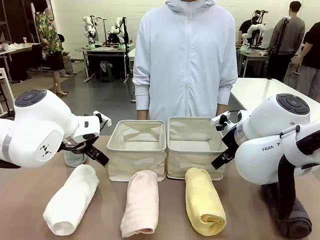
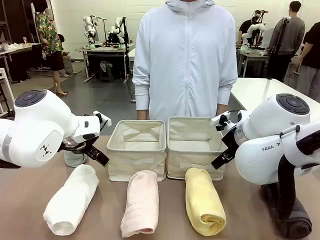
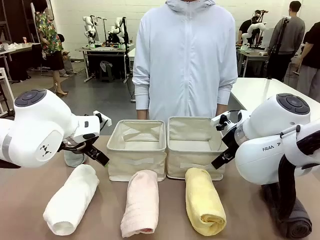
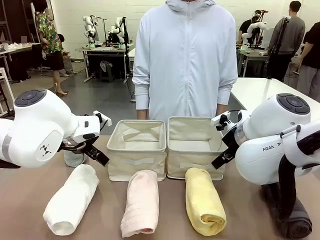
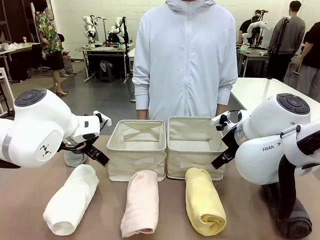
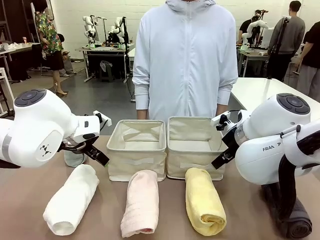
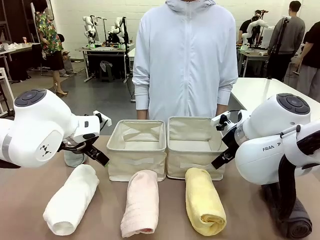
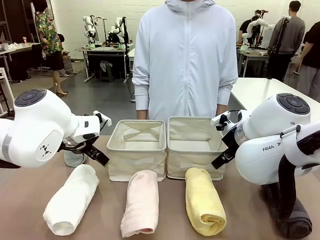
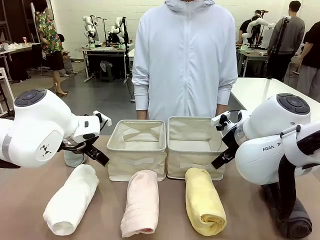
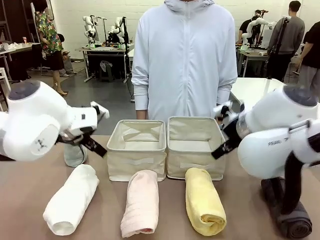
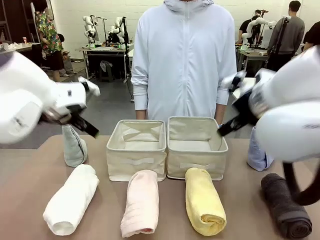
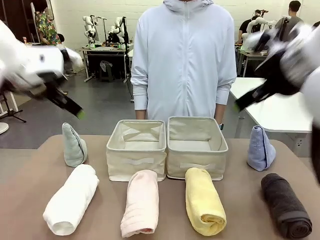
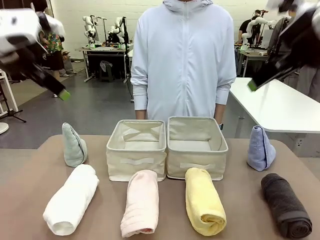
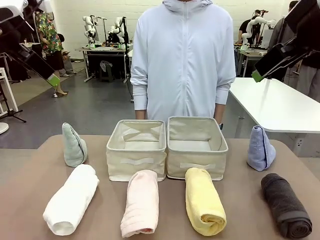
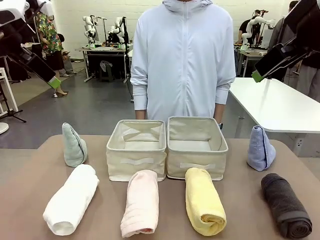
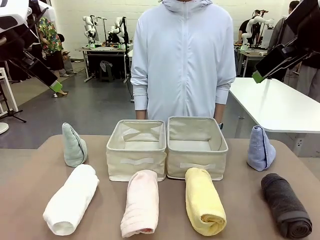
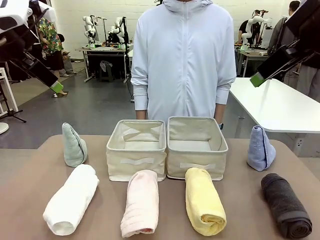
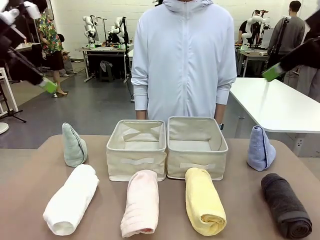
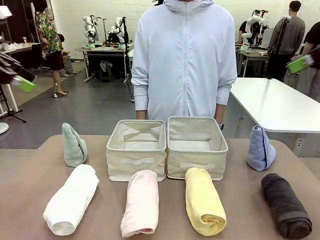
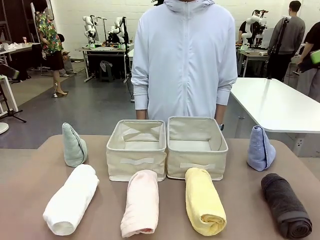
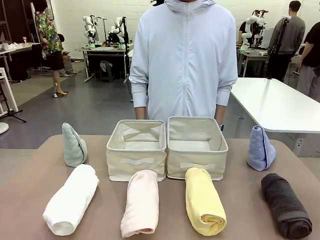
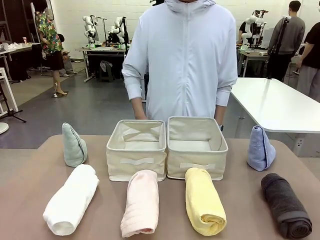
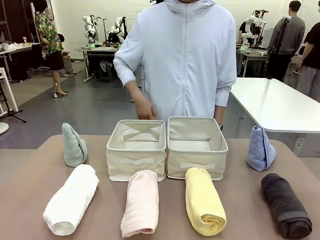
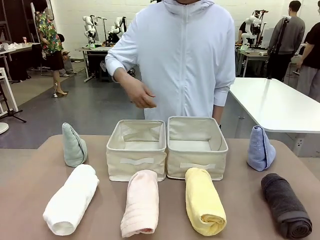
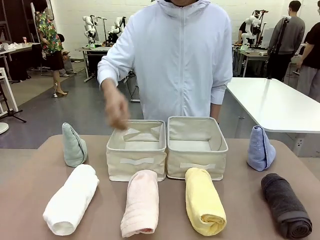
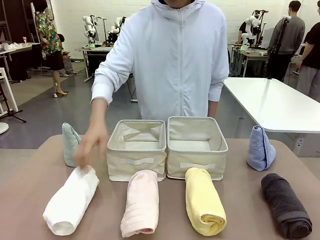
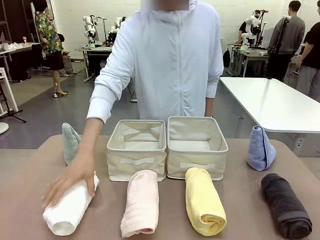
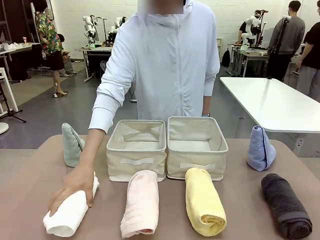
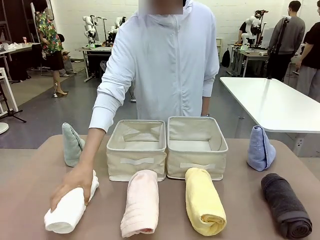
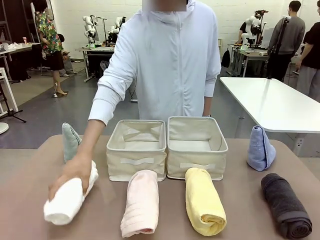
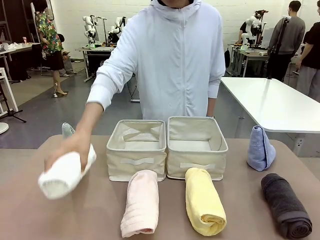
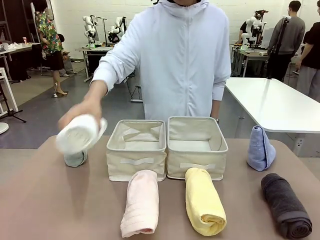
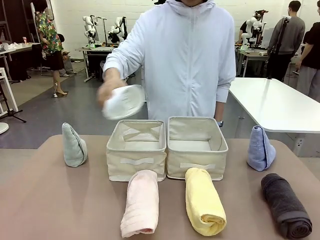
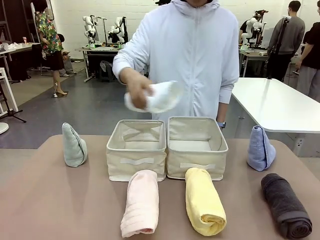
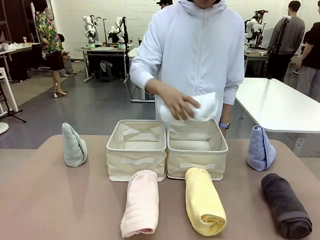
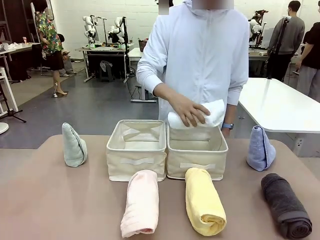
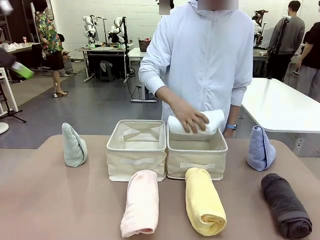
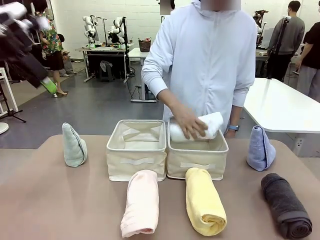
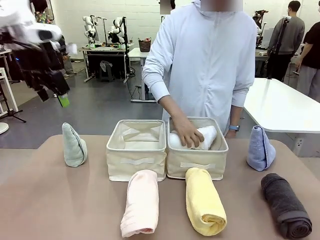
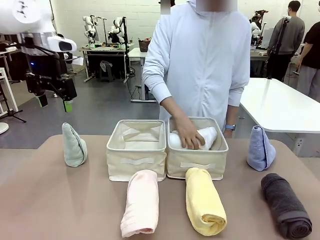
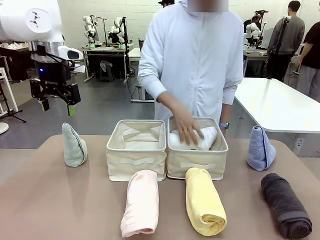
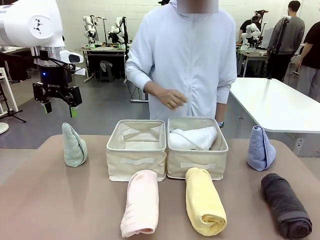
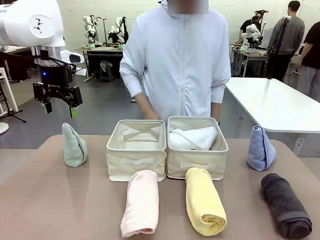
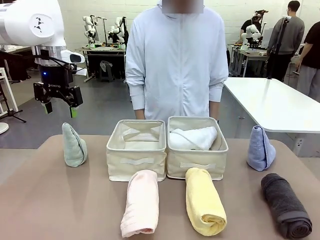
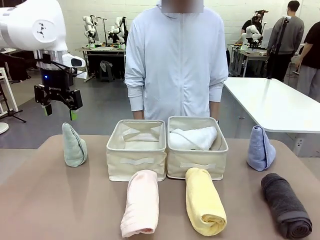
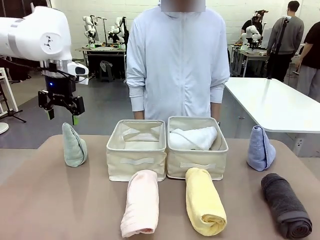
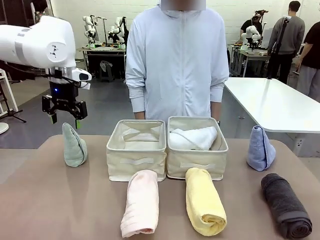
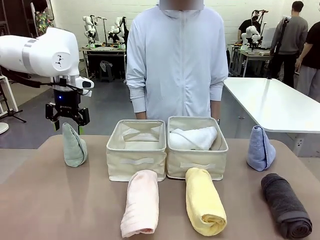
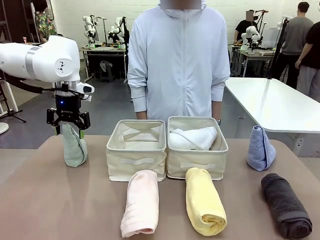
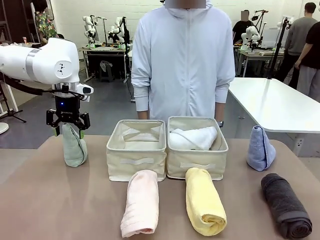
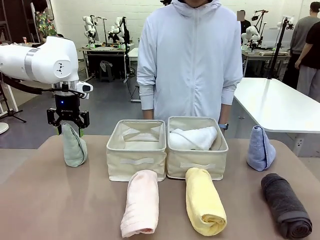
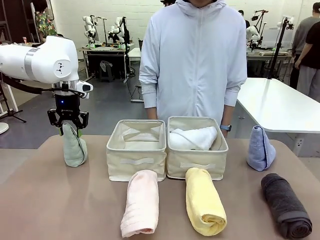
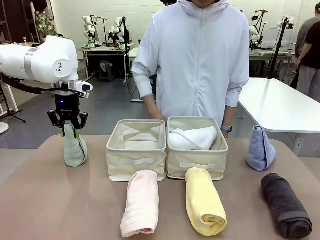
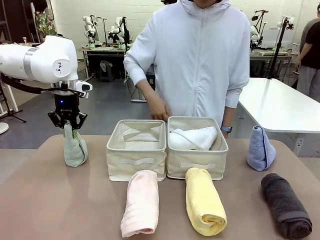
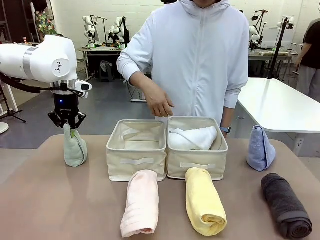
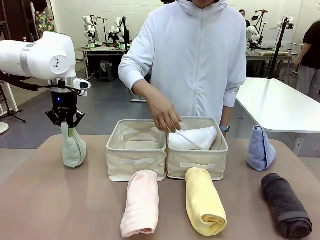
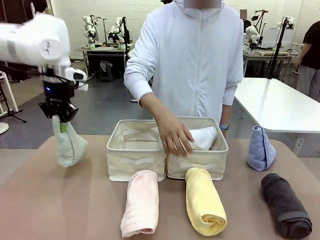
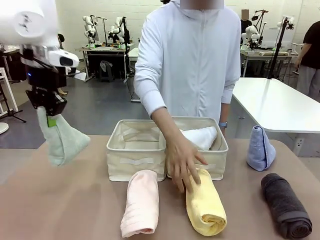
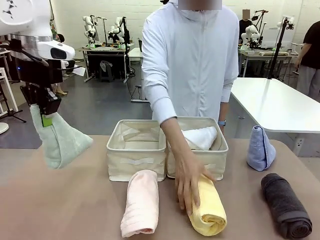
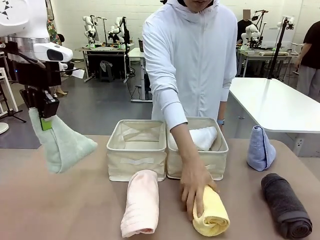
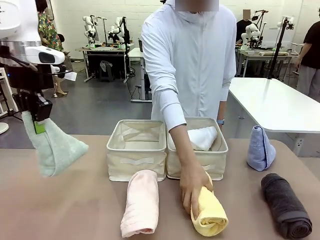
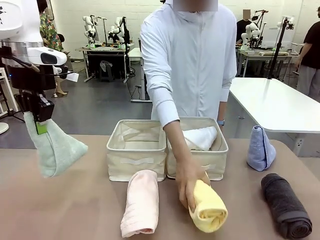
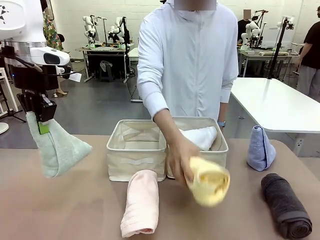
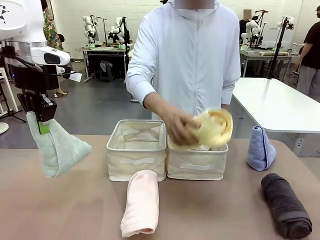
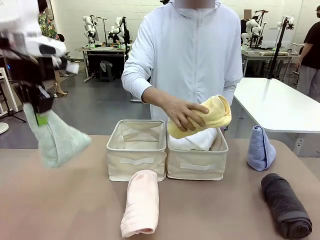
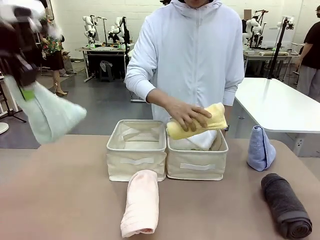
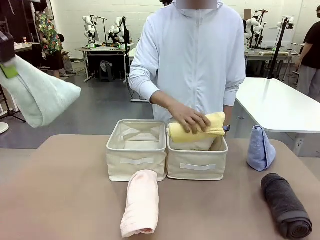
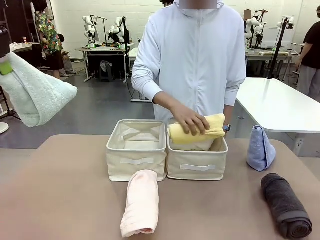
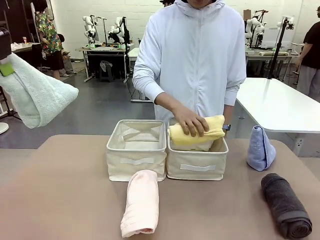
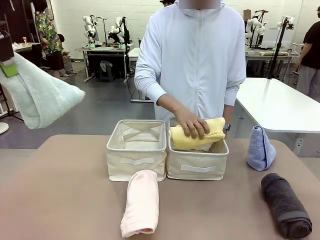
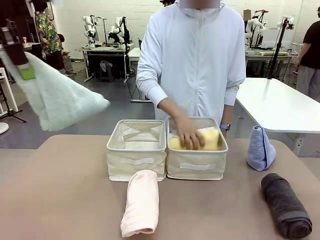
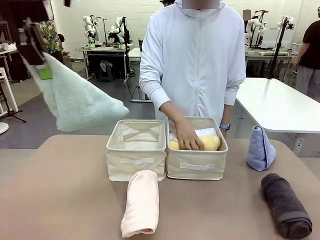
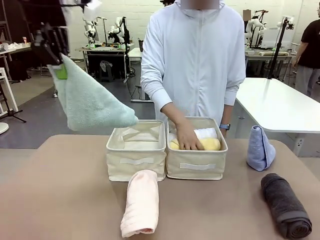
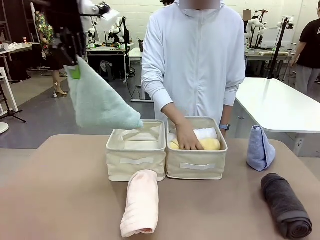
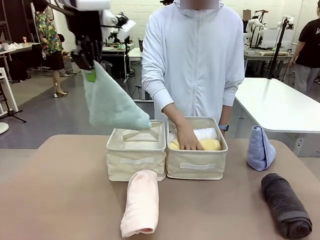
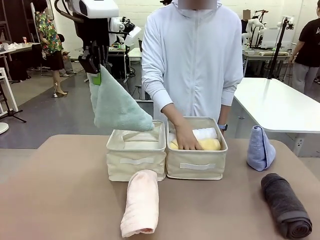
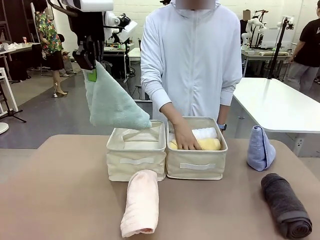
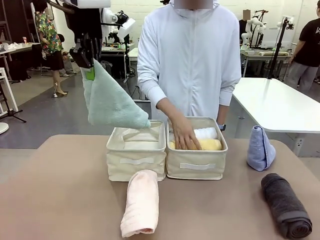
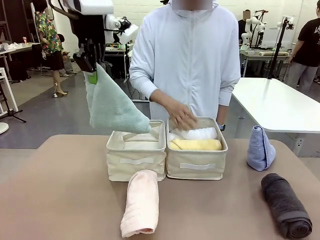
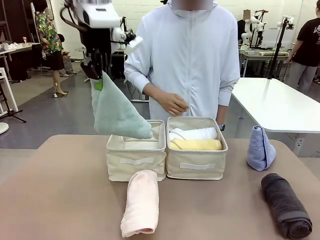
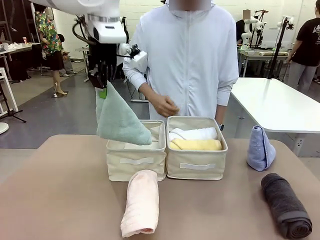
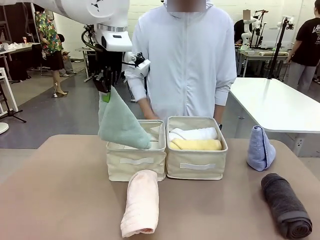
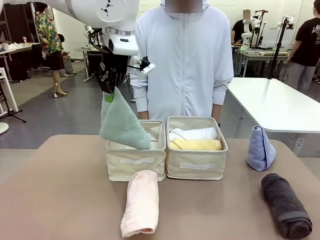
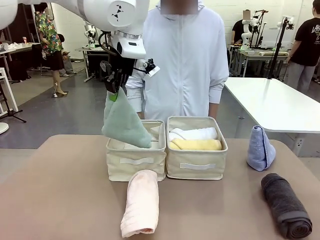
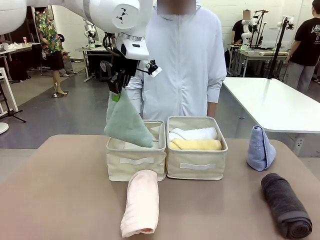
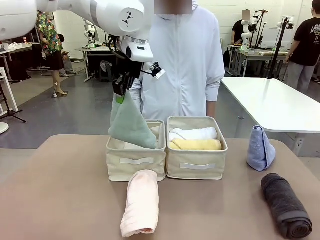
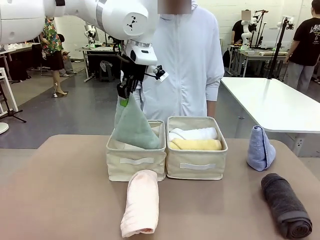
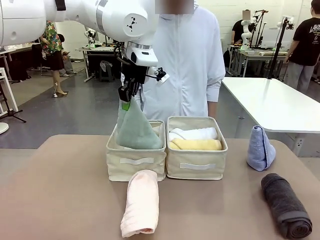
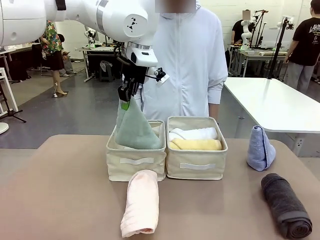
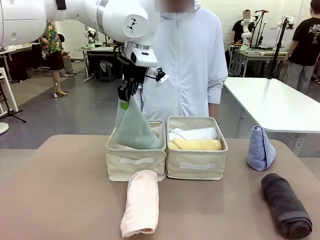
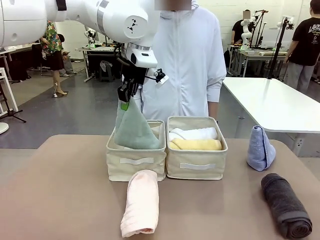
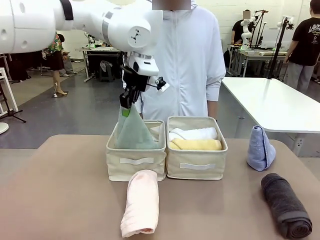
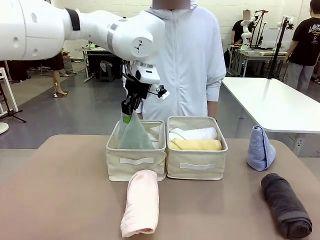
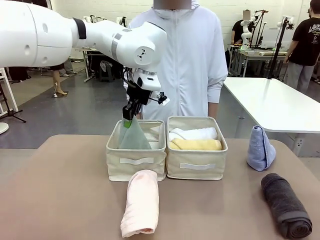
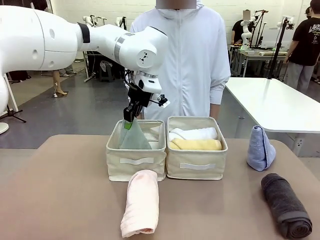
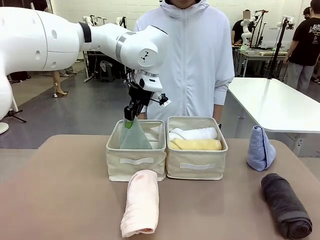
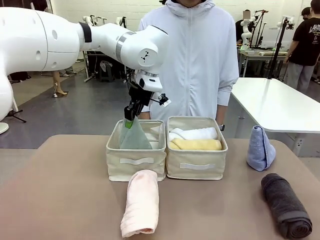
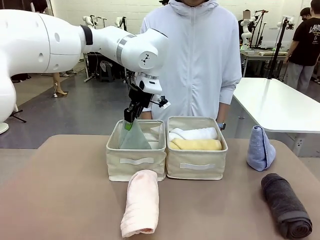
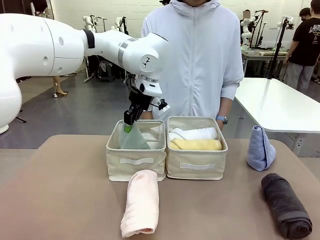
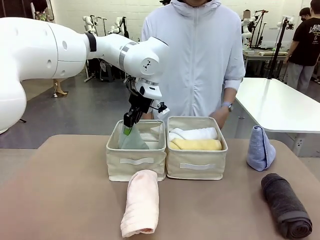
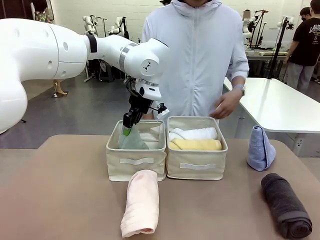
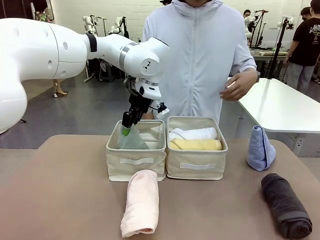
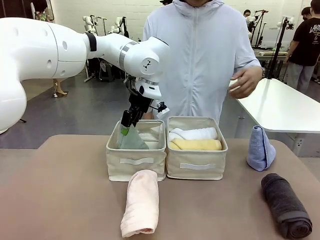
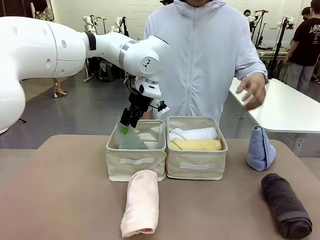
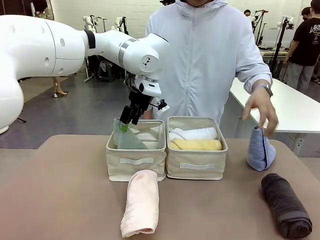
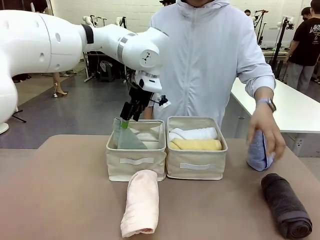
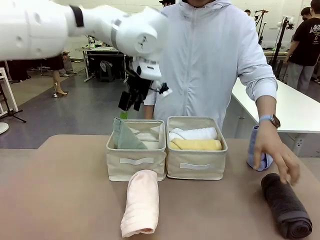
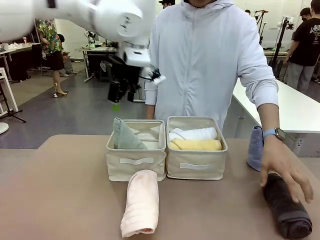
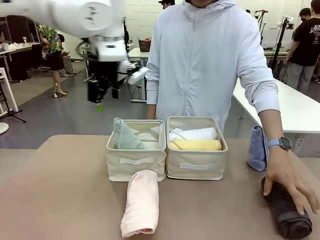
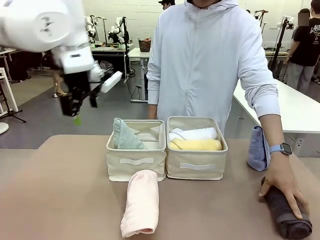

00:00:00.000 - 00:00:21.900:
Task: Sort the towels based on their folding style.
Robot: Pick up one triangle-folded towel and place it in the left Fabric basket.
Person: Pick up one hotel-style rolled towel and place it in the left fabric basket.
